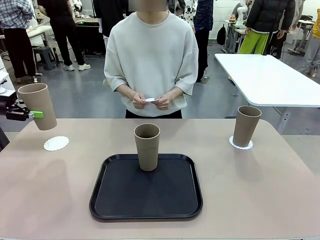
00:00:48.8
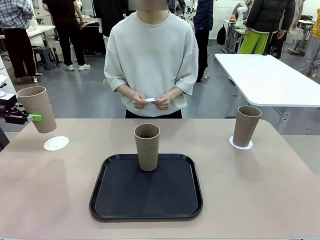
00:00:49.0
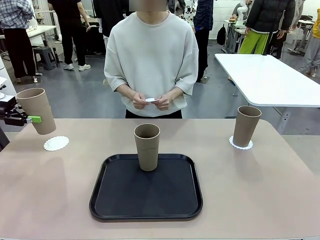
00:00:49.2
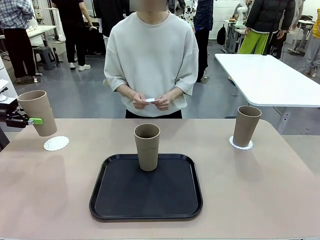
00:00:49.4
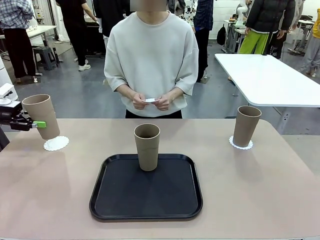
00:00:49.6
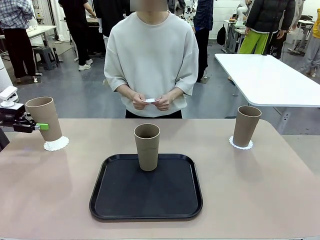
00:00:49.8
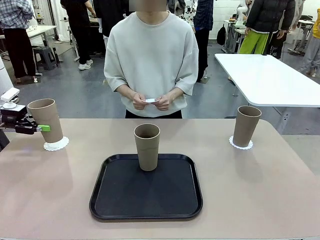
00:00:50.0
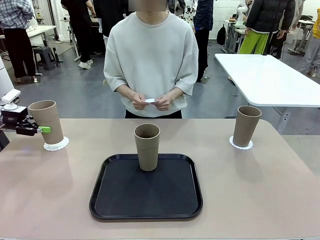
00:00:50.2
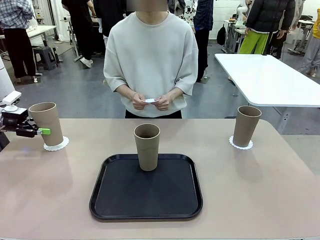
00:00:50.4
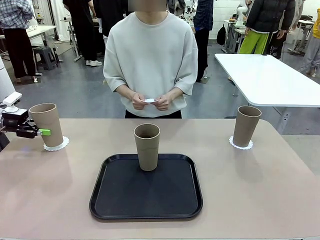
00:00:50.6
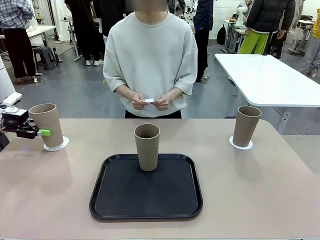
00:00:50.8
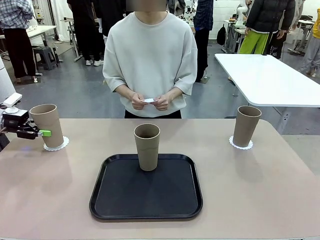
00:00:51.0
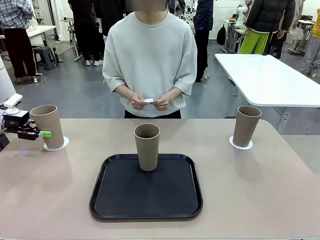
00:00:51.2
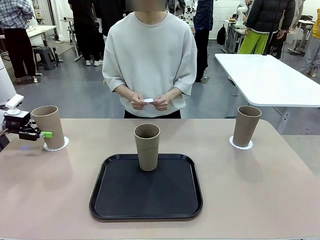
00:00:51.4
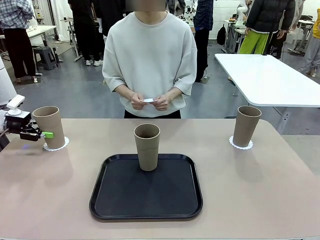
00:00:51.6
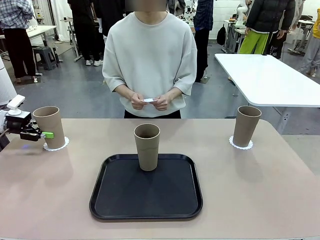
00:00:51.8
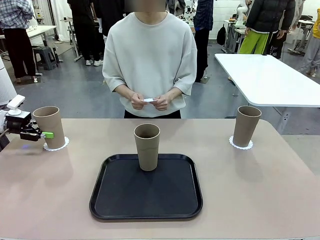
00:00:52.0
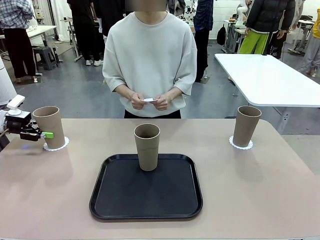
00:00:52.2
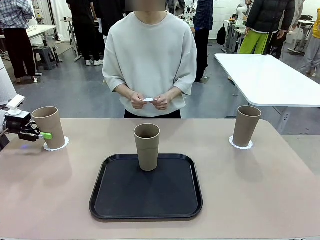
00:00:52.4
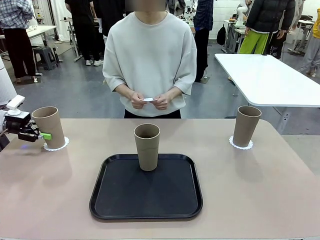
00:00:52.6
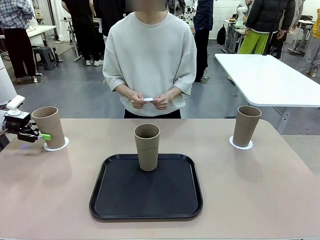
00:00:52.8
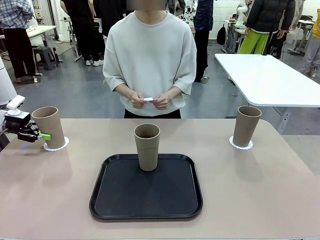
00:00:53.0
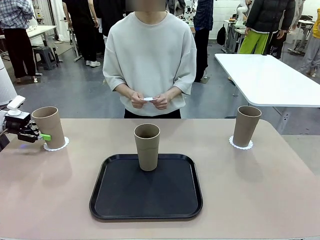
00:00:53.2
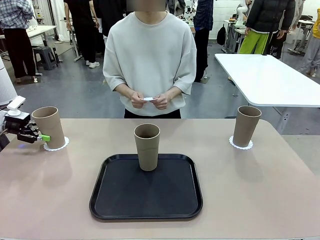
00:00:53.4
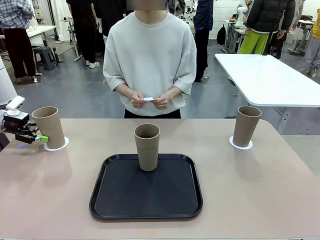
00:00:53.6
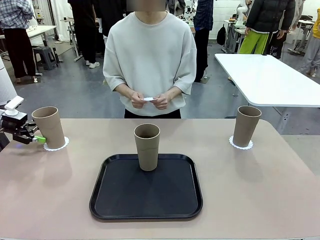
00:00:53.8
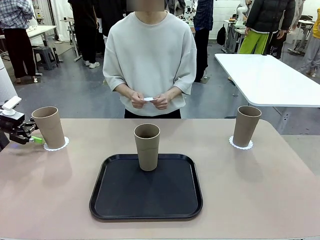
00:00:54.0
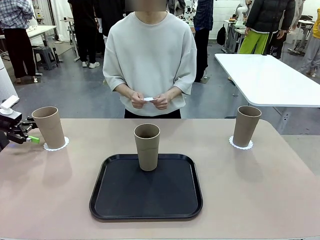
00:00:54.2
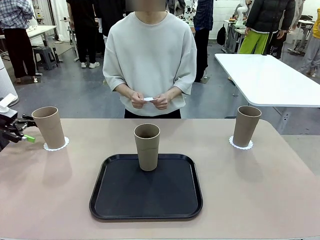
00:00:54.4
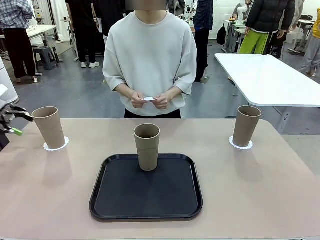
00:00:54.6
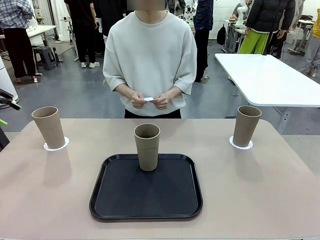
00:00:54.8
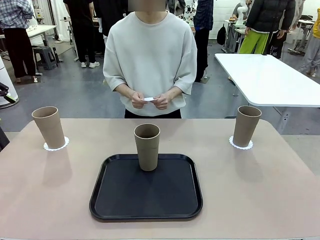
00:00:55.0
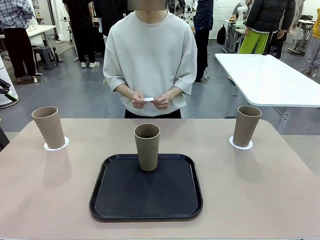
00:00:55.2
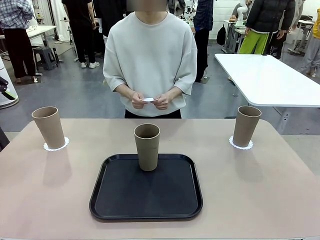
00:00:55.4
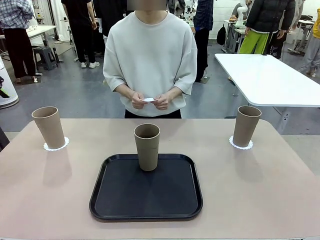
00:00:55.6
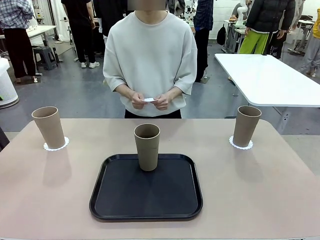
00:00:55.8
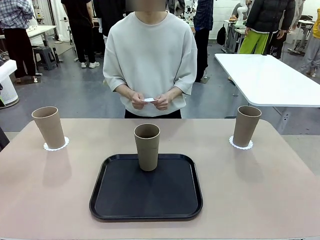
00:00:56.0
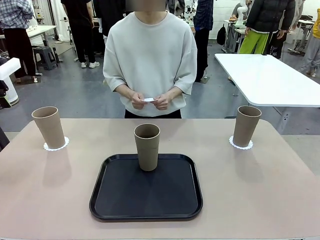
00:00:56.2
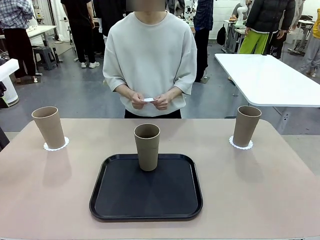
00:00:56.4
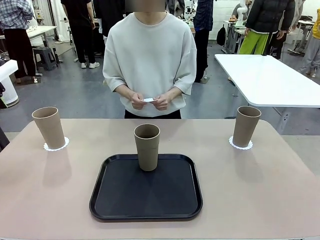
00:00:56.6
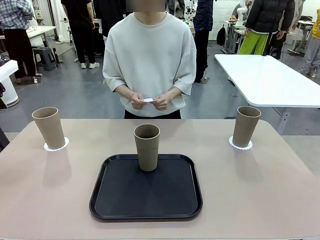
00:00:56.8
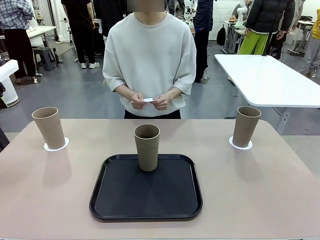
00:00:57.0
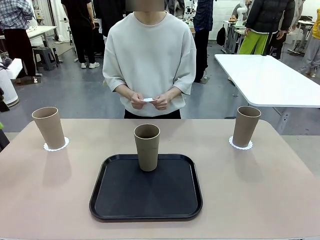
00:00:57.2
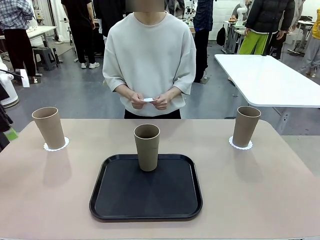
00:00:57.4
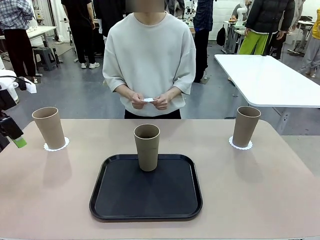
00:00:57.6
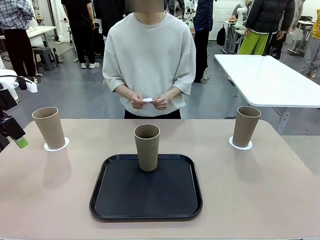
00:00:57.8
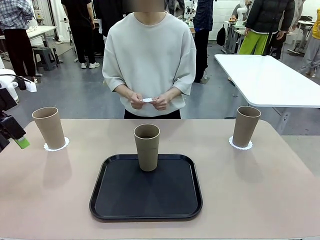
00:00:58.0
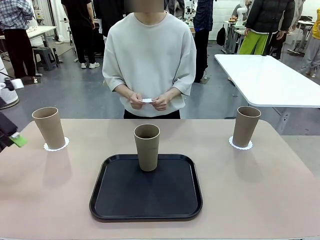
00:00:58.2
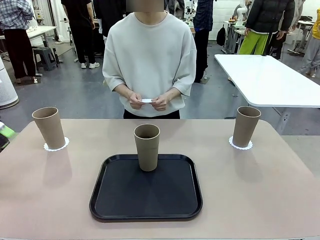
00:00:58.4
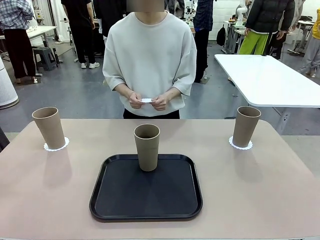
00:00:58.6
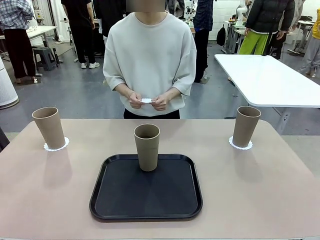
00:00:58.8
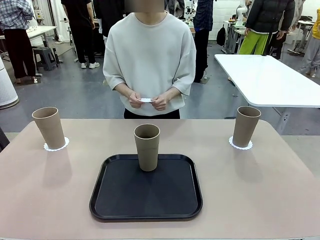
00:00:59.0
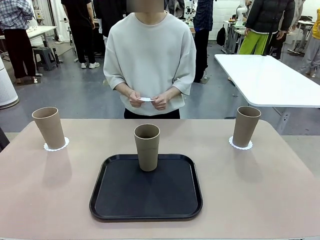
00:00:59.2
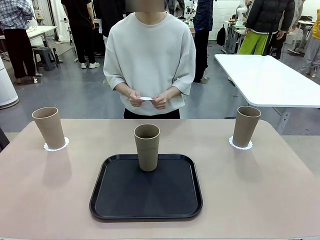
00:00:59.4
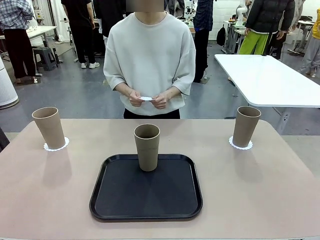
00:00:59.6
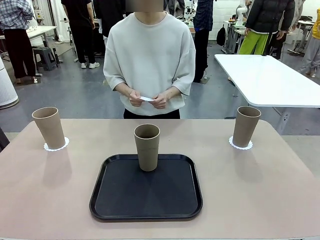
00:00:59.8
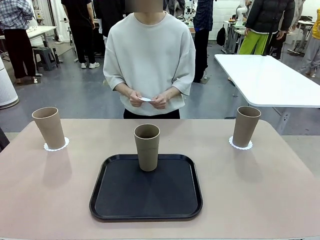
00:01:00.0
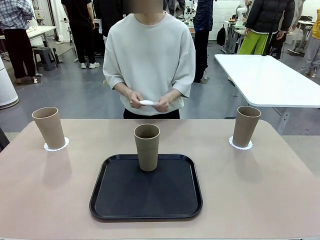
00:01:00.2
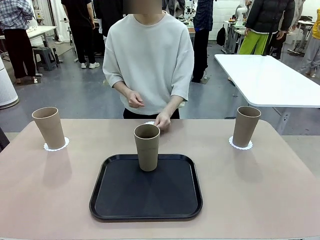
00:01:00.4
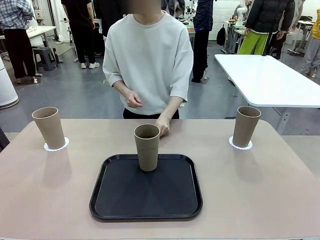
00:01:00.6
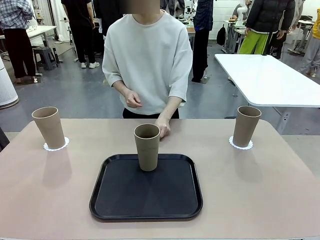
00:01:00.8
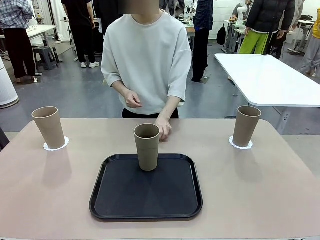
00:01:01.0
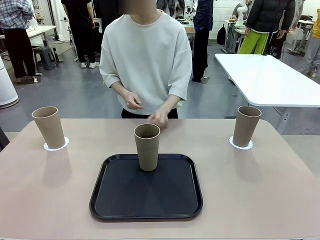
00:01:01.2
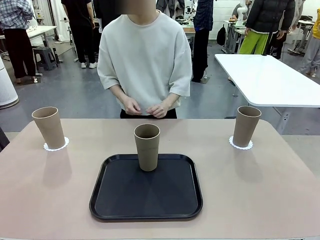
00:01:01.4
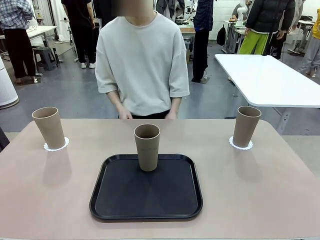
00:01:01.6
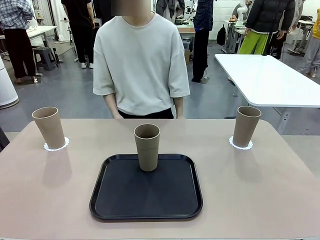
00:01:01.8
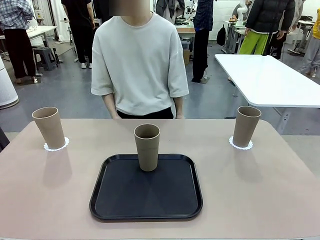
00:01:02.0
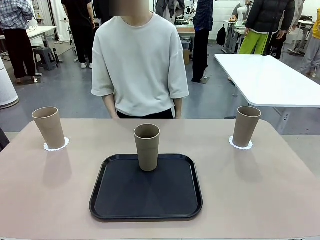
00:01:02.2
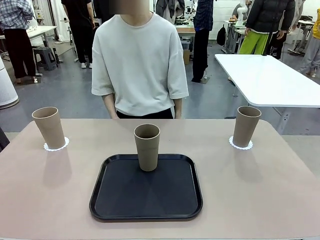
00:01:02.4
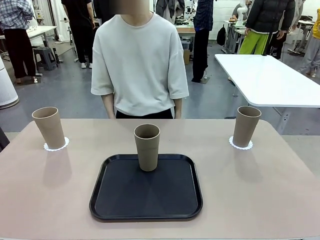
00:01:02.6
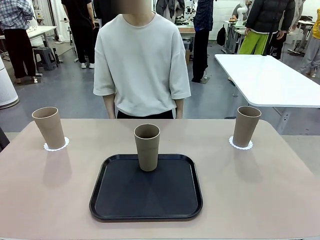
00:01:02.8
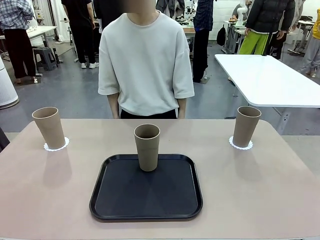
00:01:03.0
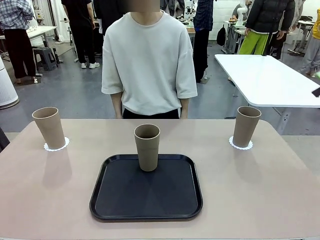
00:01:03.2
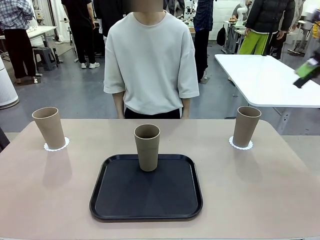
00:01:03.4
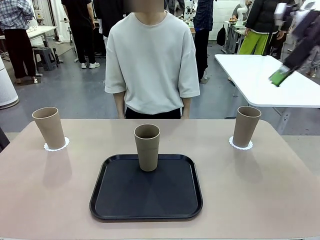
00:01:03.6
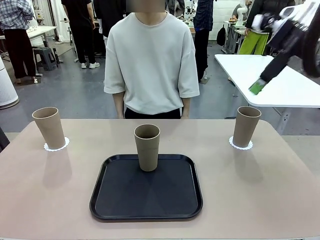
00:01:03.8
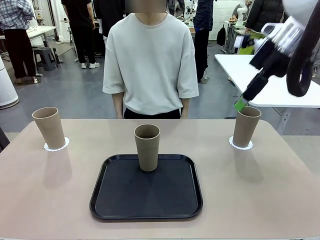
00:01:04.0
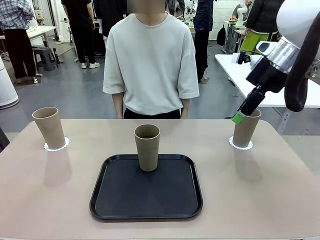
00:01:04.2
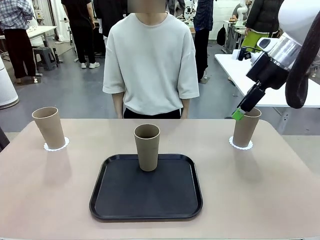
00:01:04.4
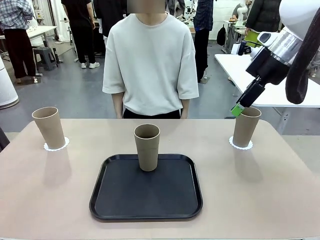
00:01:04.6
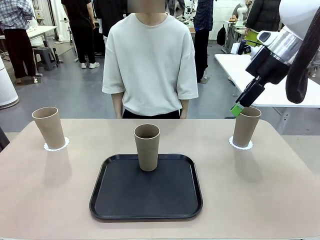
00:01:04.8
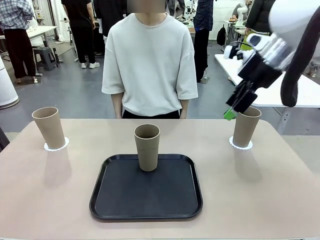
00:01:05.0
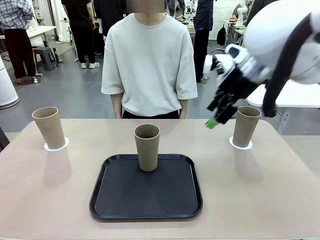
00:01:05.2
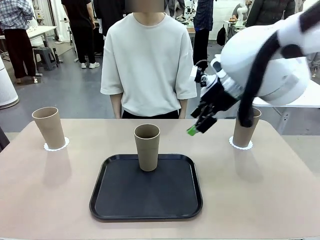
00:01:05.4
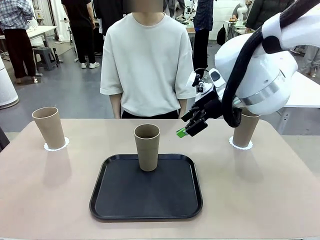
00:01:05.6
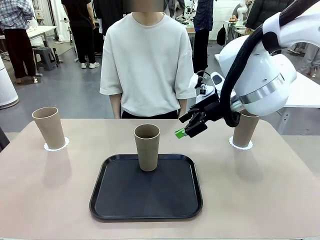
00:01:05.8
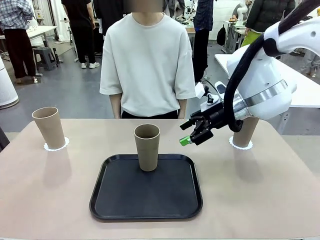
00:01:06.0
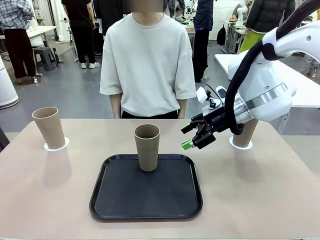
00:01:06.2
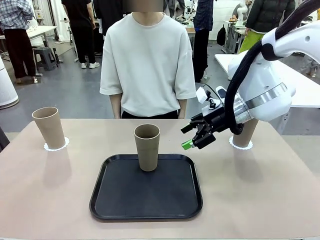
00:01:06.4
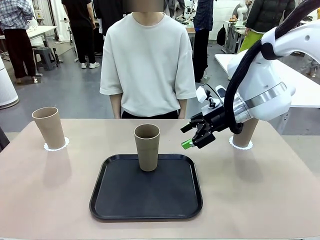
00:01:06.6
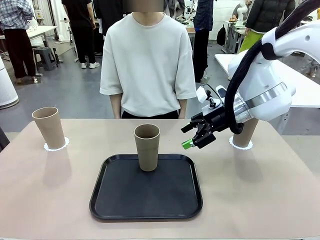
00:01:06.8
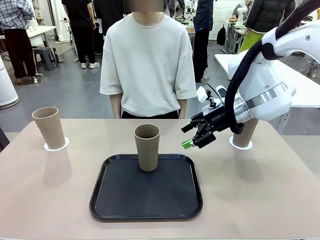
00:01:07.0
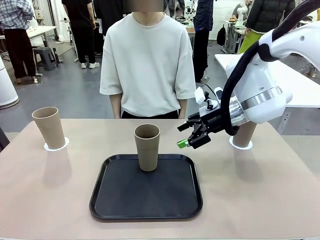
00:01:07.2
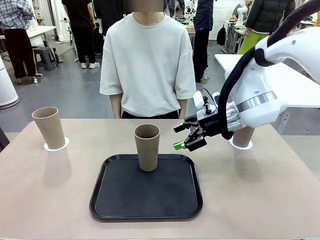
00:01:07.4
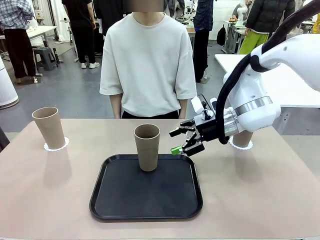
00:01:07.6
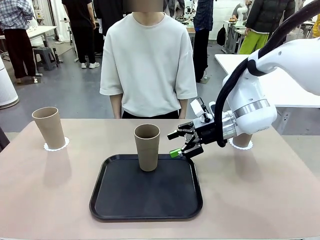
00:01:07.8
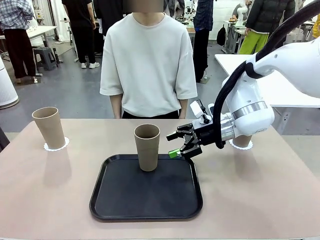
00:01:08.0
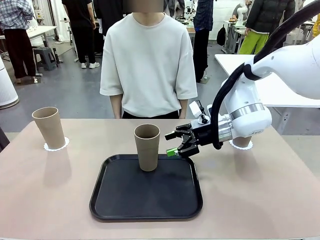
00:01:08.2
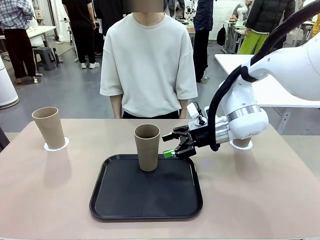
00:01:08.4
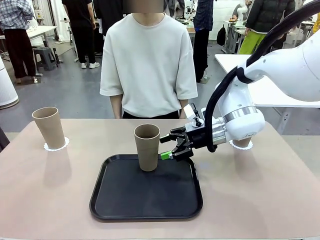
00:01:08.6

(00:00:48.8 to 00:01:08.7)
Task: Place coasters on the table and set cups on them.
Robot: Take one Reusable plastic cup from the Flat Tray and place it on a coaster set by the human.
